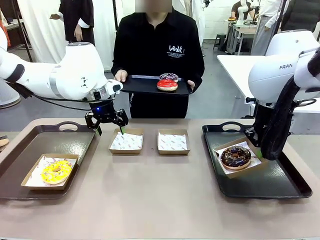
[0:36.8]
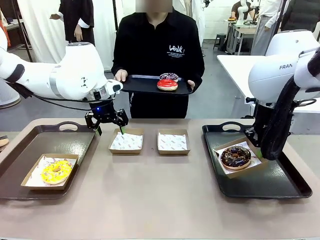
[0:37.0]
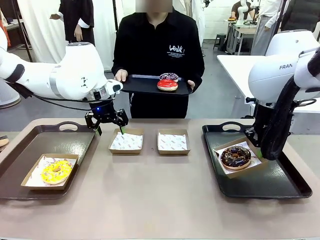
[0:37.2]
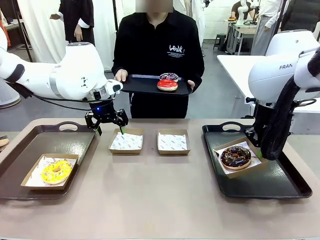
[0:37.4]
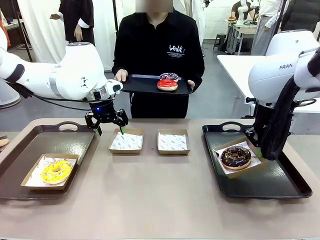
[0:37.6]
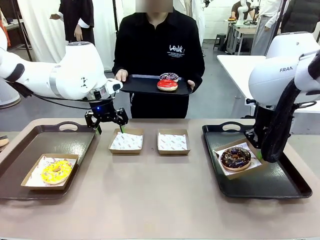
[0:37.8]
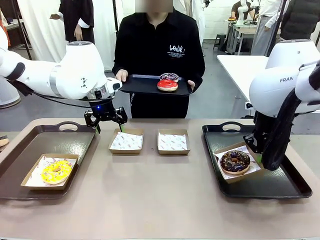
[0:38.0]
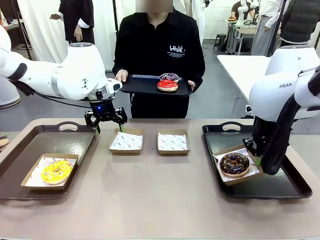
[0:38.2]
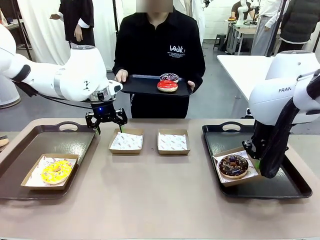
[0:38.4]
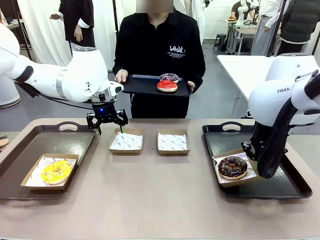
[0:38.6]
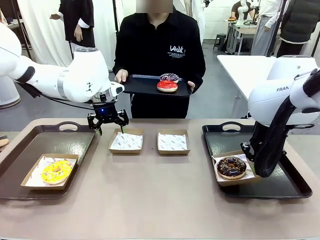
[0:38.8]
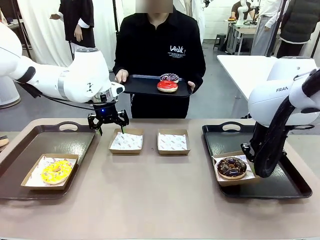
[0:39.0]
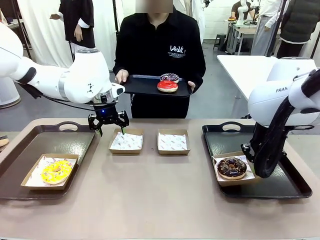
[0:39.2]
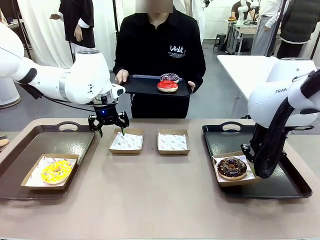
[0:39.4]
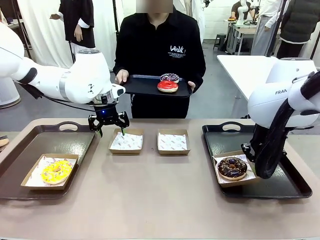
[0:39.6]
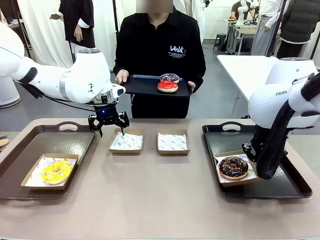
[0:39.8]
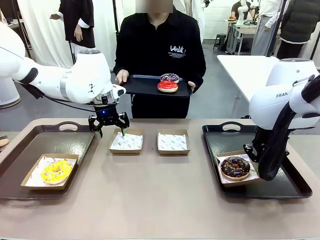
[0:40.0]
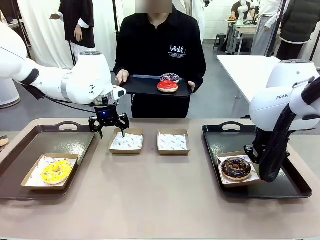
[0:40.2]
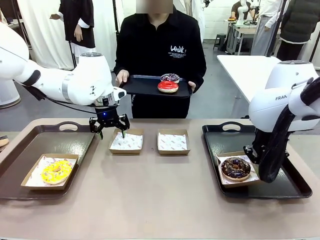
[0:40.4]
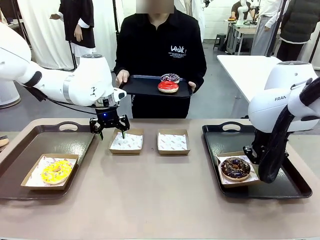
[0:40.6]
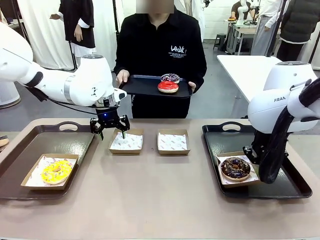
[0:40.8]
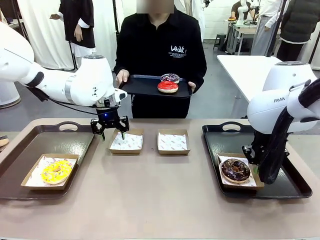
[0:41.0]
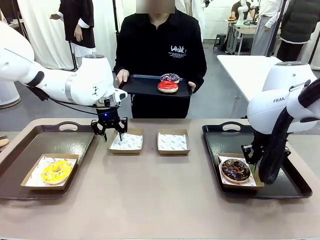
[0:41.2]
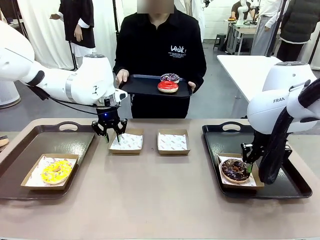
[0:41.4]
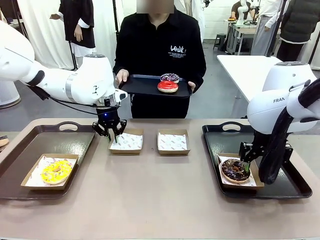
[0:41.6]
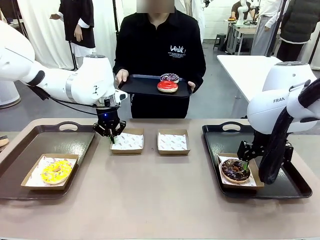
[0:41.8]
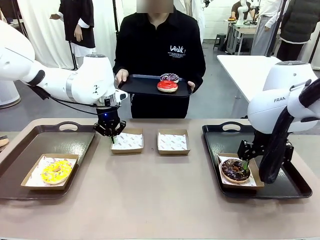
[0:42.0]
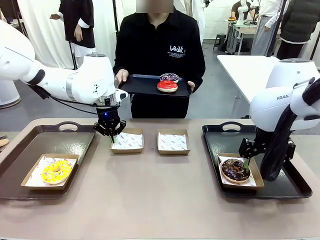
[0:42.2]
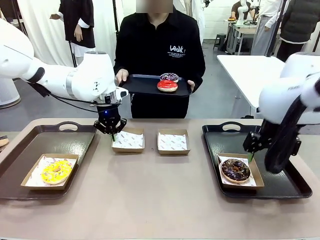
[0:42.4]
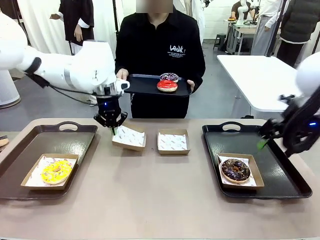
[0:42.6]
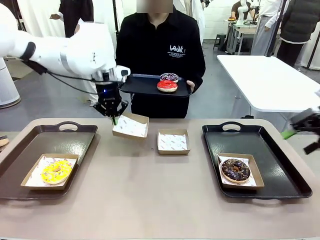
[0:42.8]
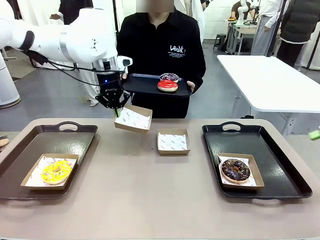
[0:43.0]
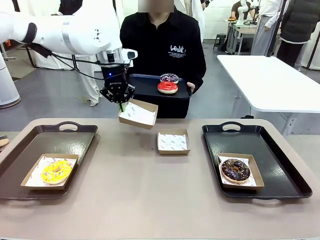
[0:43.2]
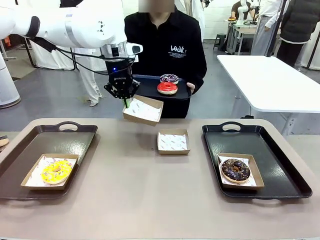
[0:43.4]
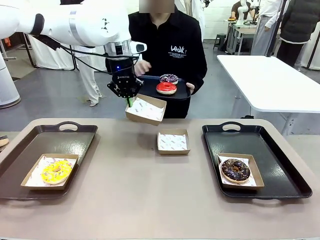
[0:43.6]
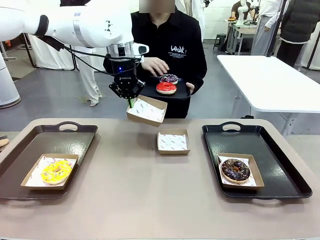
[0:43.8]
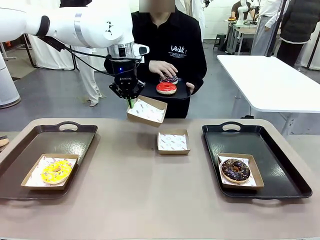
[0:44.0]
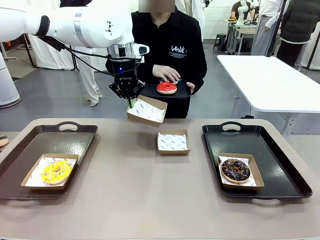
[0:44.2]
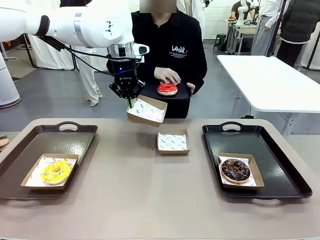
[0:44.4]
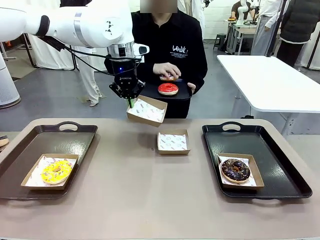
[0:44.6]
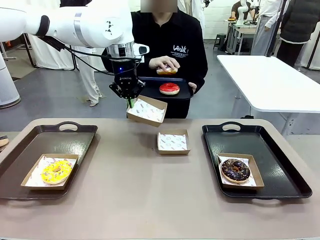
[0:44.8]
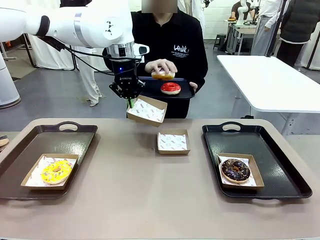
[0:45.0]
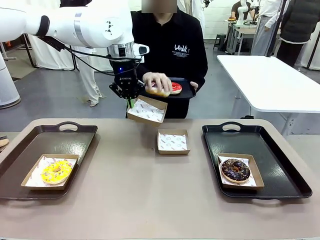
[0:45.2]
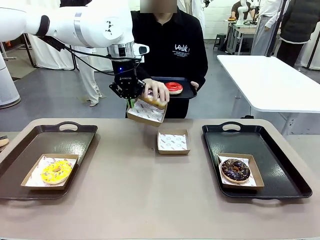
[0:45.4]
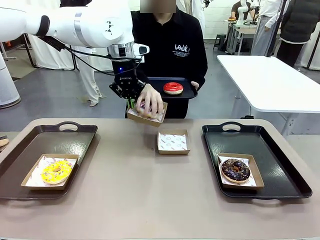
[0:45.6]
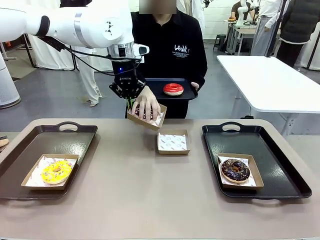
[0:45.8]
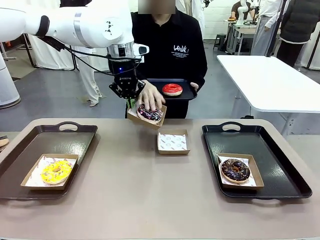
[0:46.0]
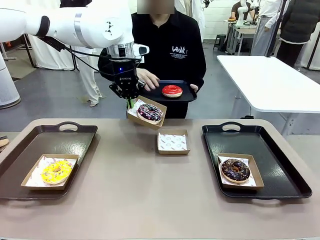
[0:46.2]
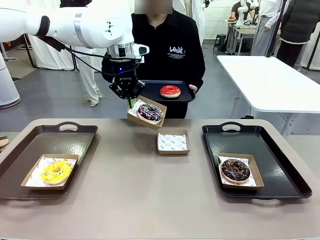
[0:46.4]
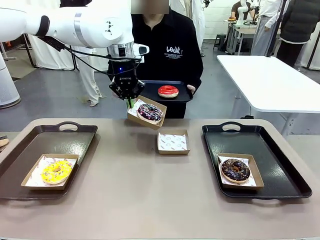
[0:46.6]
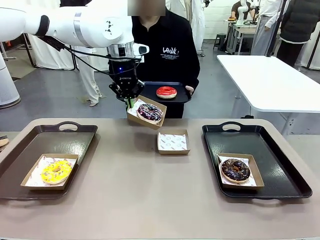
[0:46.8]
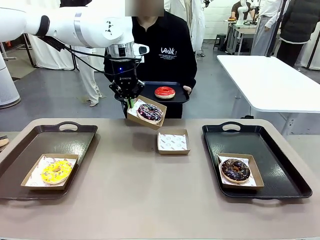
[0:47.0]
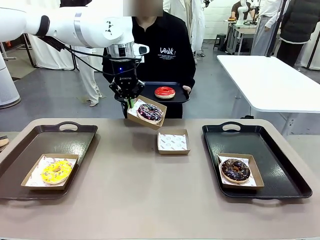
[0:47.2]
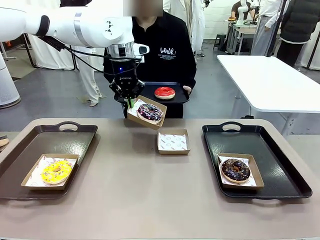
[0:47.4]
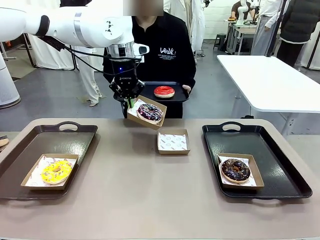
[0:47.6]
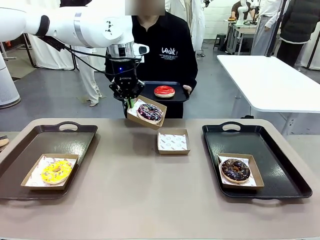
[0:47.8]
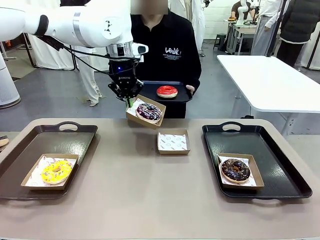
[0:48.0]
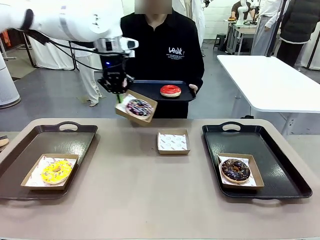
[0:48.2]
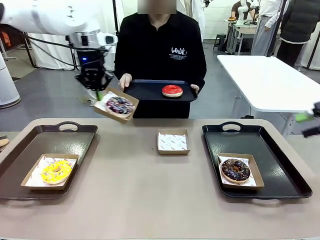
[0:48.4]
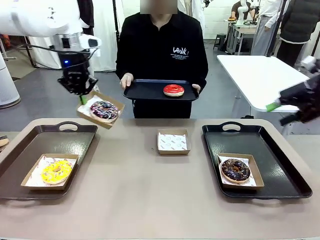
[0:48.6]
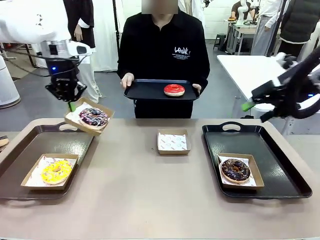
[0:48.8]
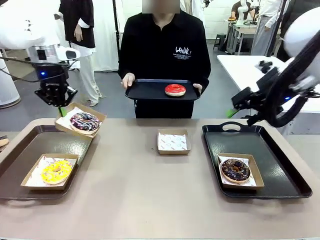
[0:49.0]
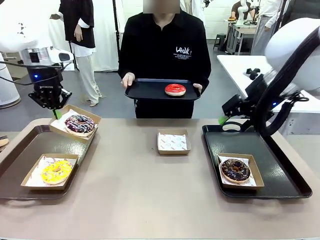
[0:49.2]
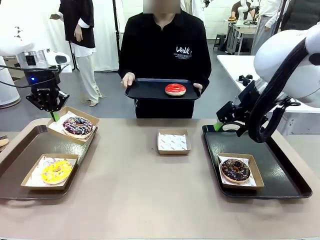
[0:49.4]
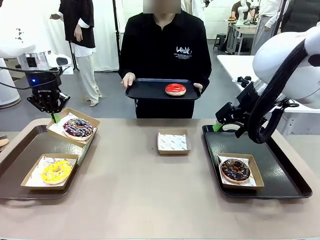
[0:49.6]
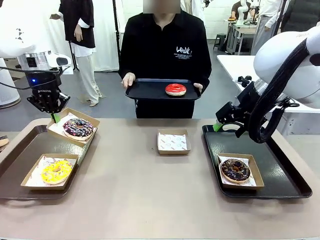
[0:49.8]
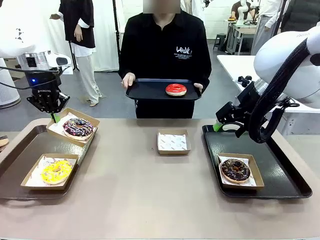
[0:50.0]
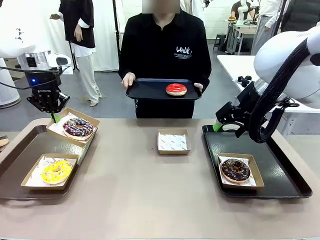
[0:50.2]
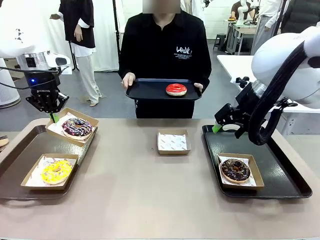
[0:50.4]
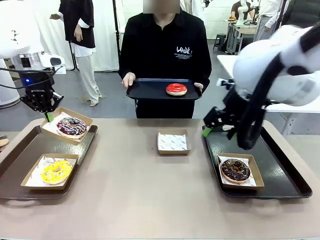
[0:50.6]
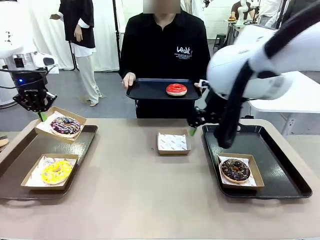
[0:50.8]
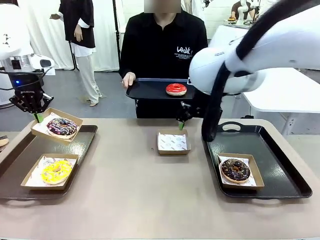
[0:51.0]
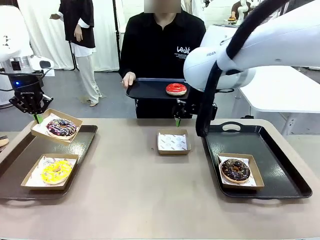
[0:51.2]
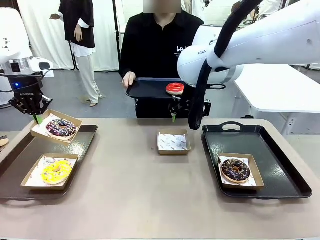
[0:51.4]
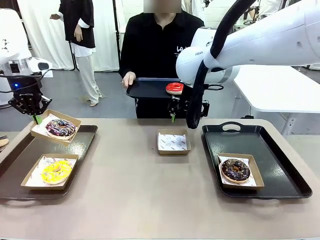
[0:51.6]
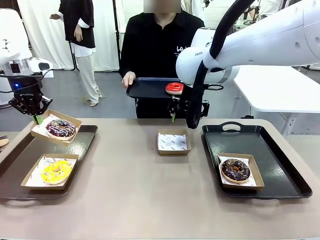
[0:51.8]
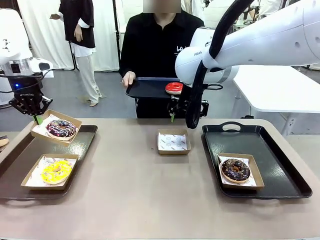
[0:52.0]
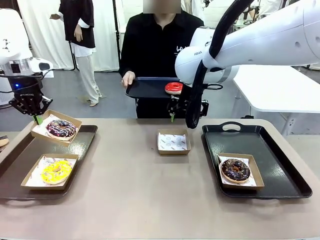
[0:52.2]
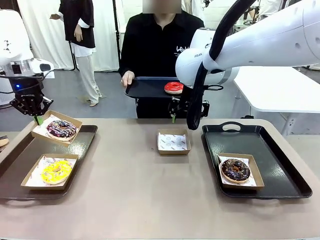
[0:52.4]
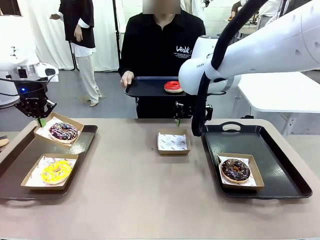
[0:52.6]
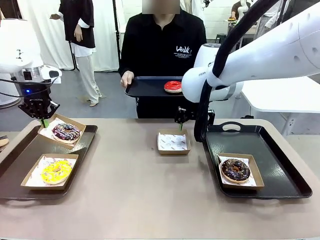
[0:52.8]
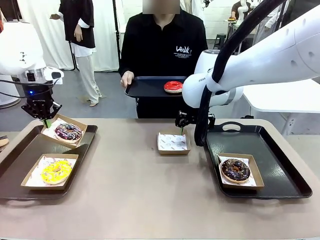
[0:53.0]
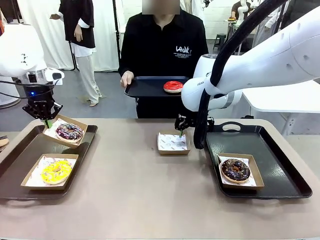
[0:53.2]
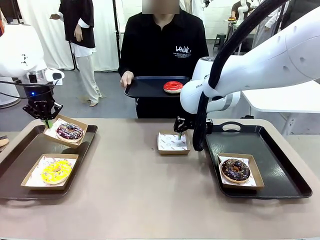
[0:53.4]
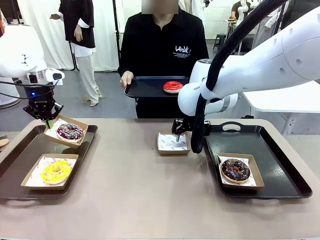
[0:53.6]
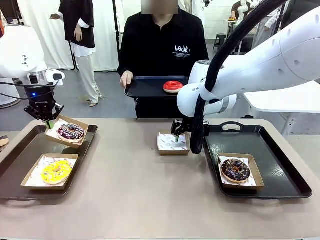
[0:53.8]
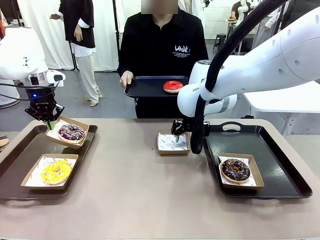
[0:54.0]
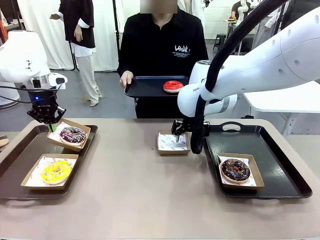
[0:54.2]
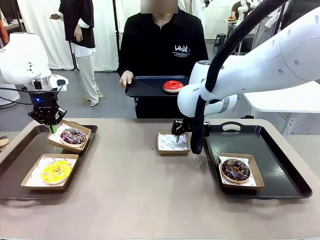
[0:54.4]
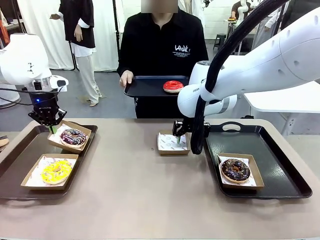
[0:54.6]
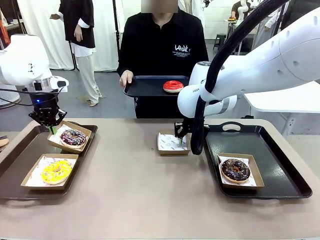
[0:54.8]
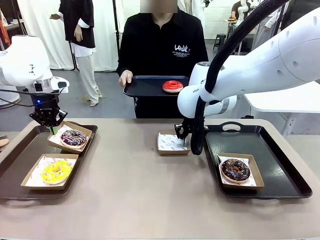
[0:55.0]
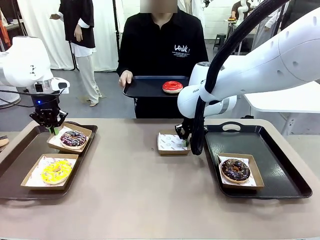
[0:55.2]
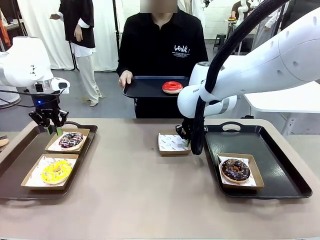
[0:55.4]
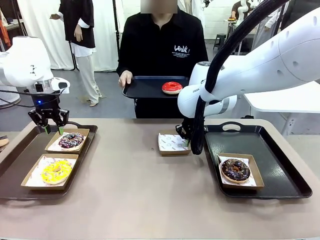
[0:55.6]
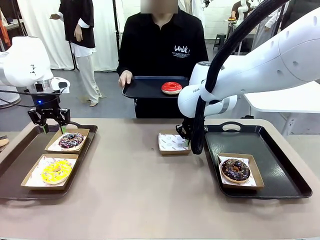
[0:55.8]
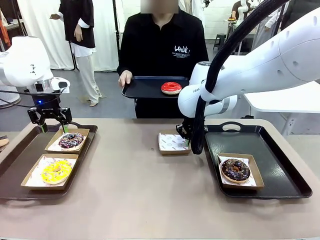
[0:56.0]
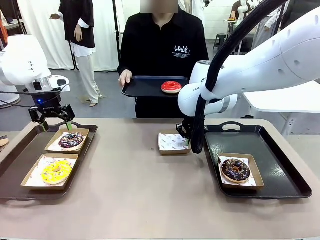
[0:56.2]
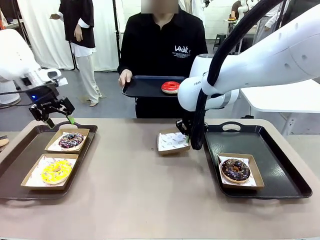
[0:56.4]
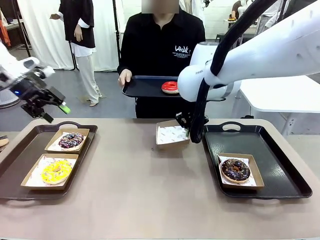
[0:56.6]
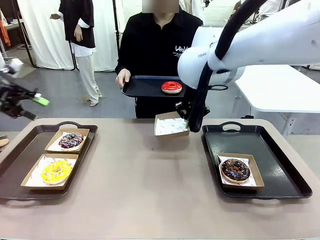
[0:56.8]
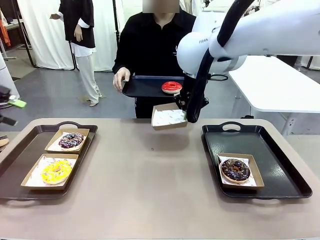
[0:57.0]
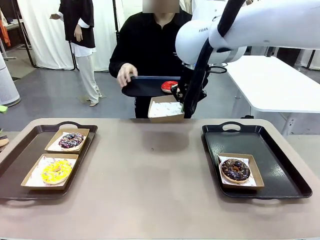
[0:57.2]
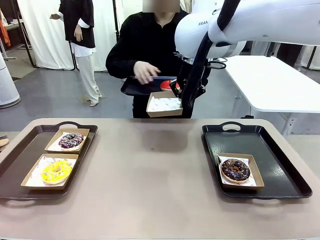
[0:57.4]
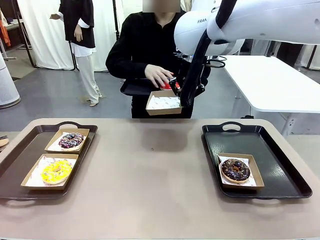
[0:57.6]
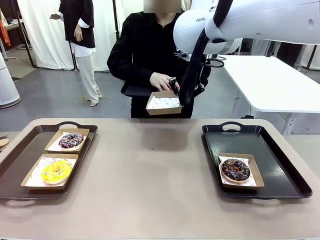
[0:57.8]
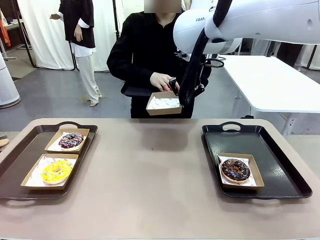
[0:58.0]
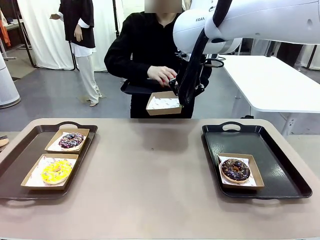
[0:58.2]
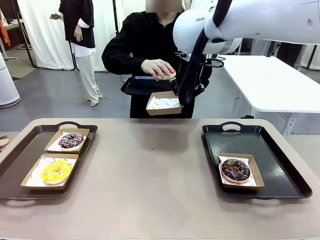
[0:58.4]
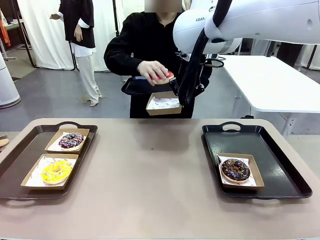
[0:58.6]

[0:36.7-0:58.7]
Task: Individually package the donuts and arrange them on the tray.
Robot: Place the picked Paper togo box on the Handle tray while simultaneously picking up another Paper togo box from the table with the other hand.
